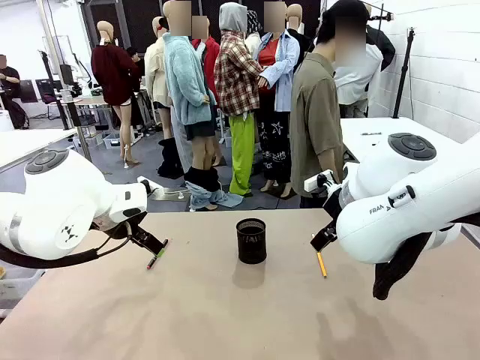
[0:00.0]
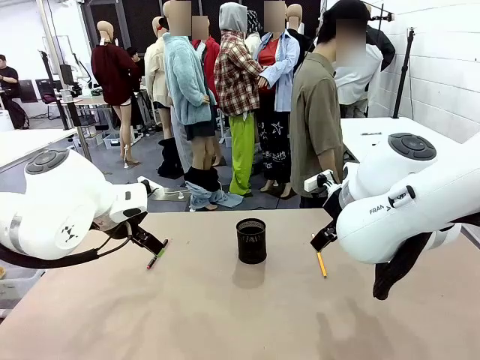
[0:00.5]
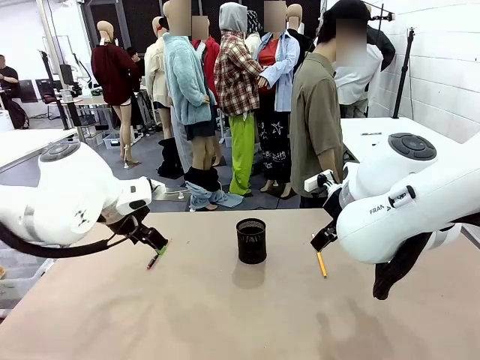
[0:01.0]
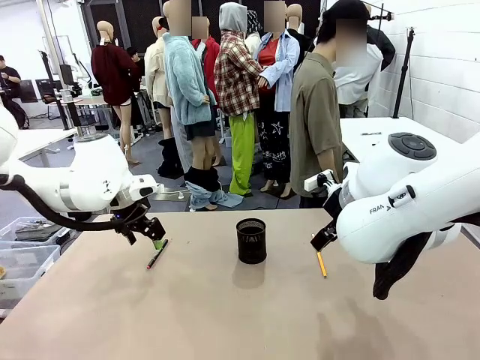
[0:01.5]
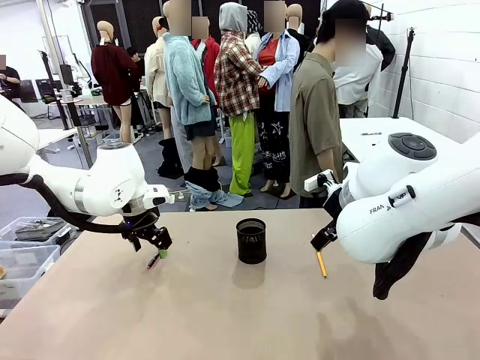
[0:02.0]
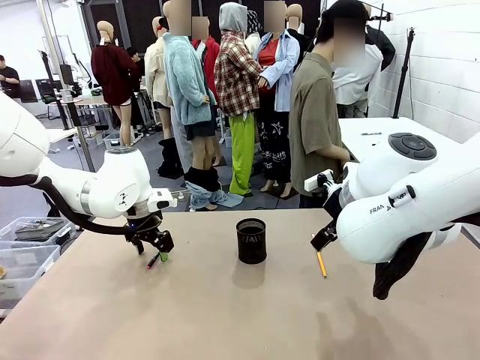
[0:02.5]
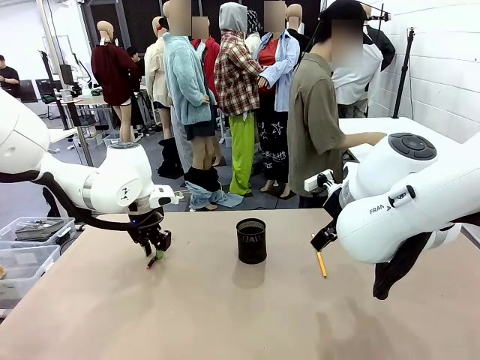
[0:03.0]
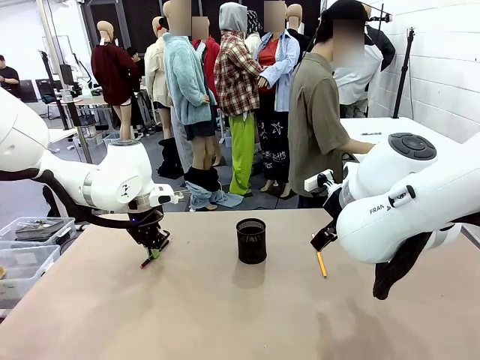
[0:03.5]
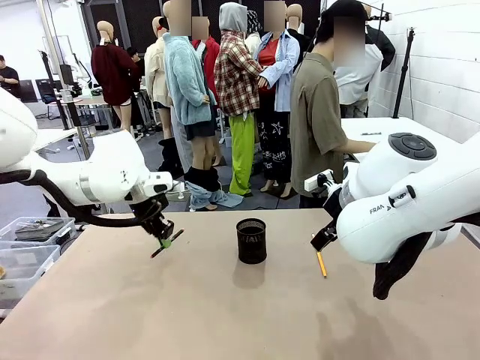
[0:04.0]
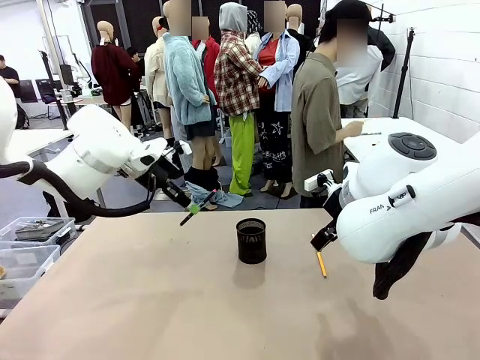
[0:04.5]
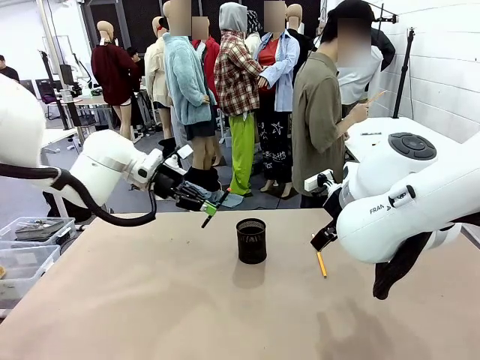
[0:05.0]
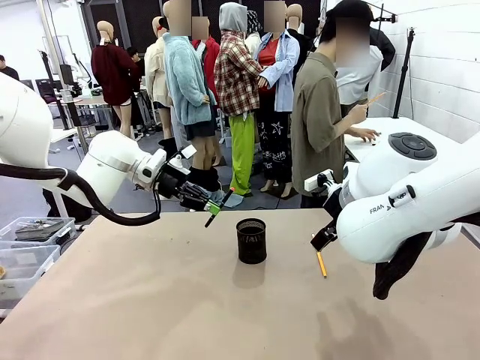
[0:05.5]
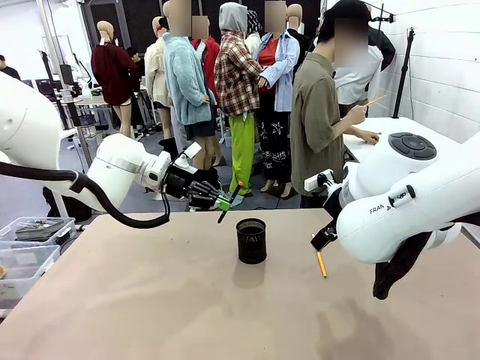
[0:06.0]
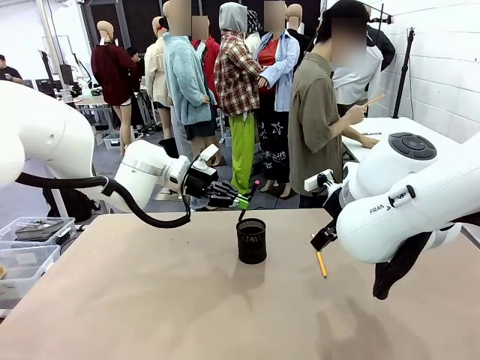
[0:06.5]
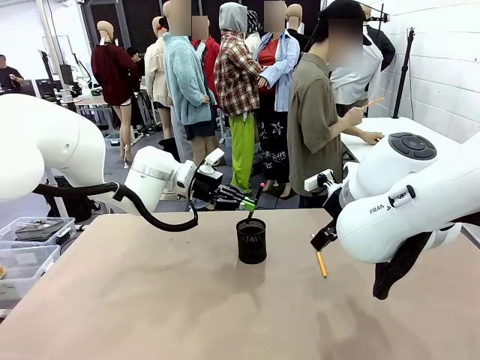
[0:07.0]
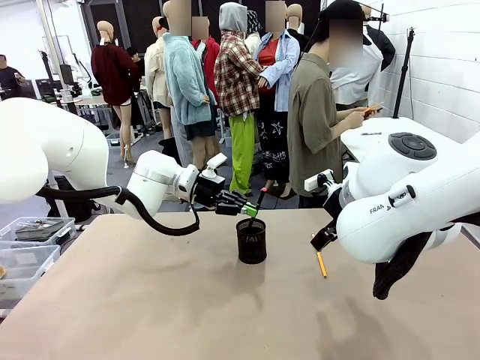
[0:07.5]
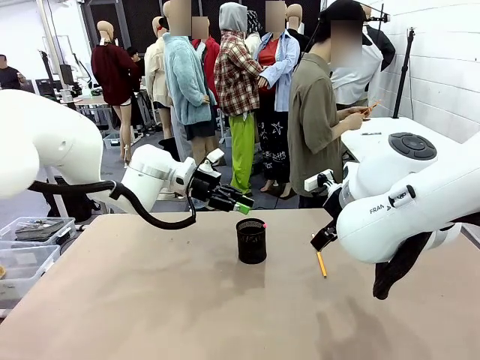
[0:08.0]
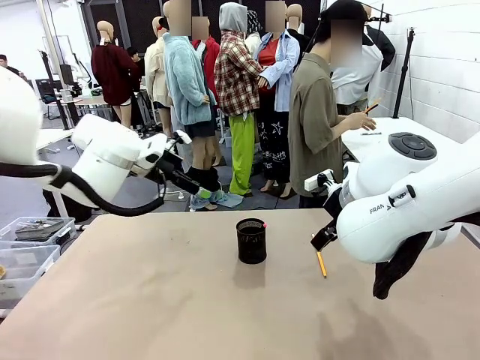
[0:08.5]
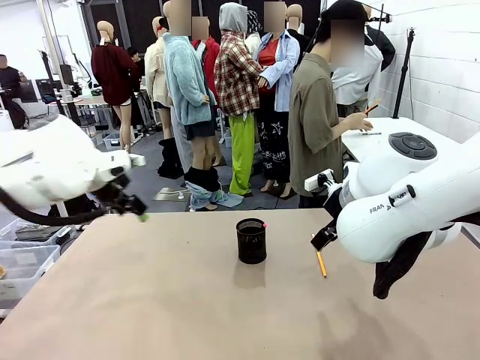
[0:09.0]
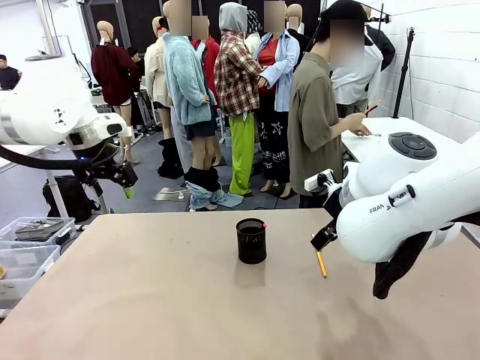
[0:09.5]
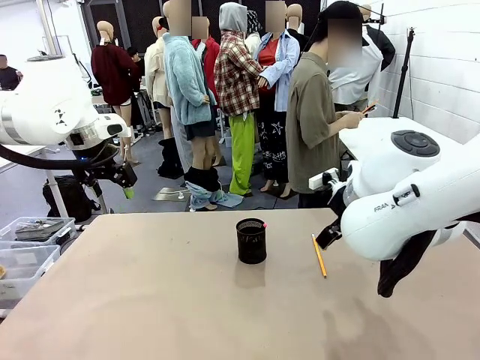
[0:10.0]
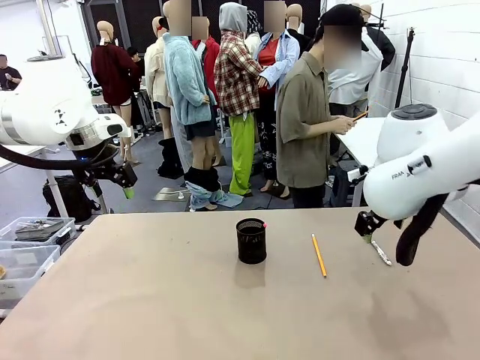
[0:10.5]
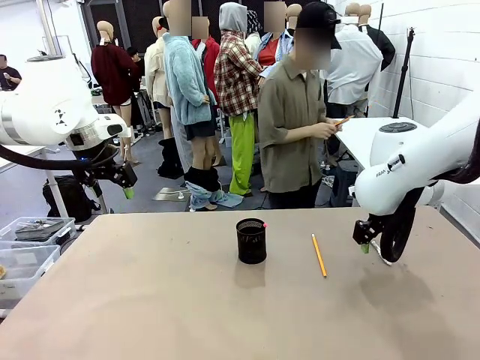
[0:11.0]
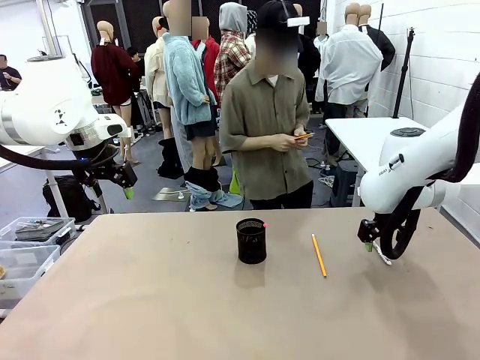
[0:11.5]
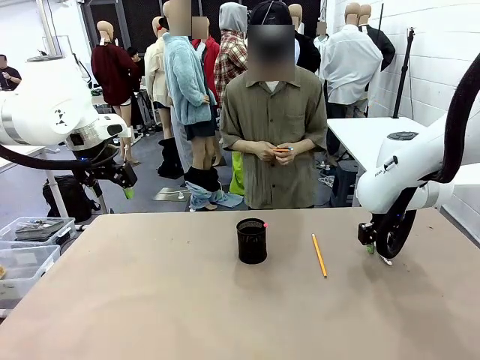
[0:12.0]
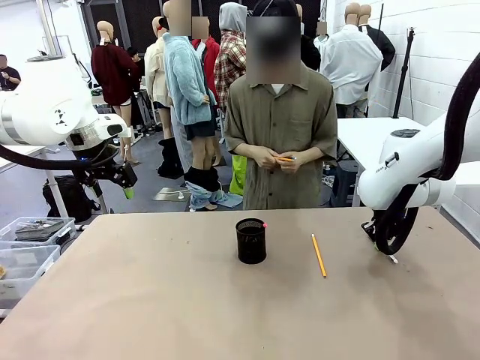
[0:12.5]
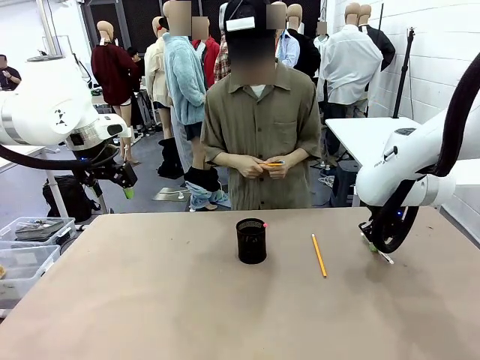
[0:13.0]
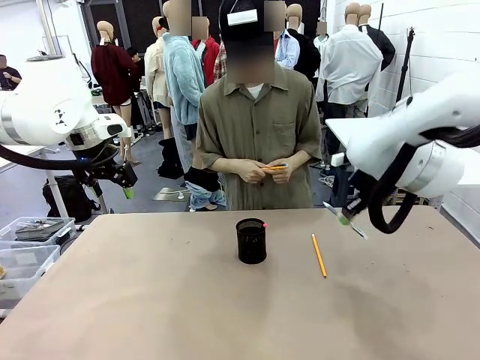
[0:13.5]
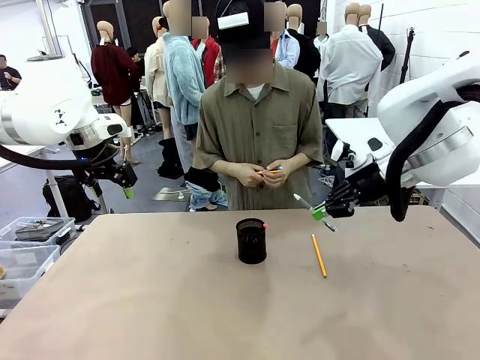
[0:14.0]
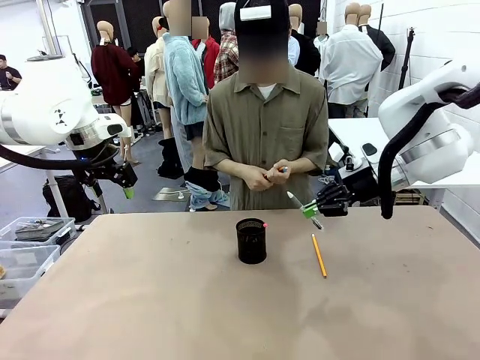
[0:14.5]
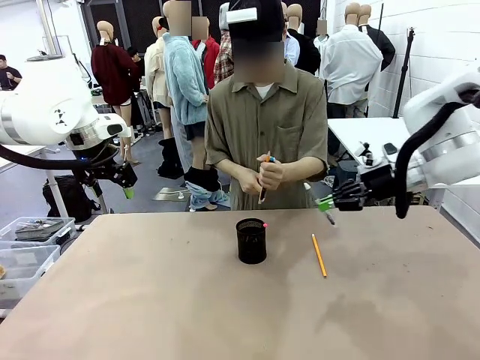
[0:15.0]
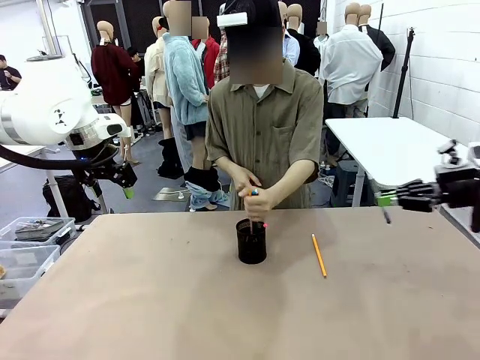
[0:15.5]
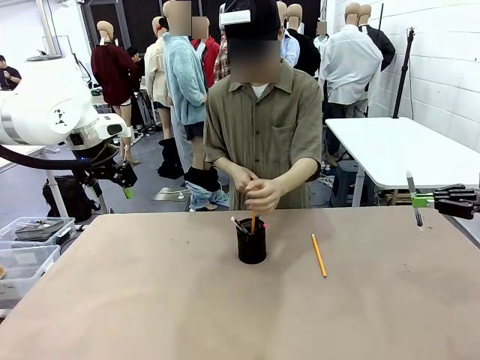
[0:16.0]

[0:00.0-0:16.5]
Task: Place the pens into the pen holder.
Robot: Pick up a writing instrument from the table and place it into the Pen holder.
Person: Pick up all writing instruments from the Human table.

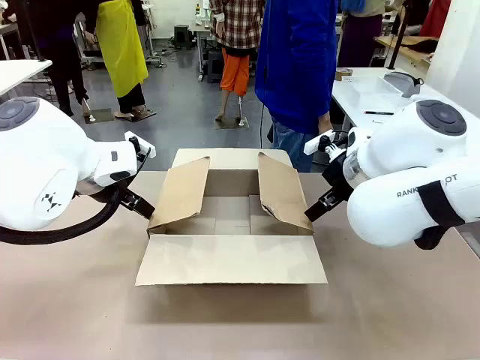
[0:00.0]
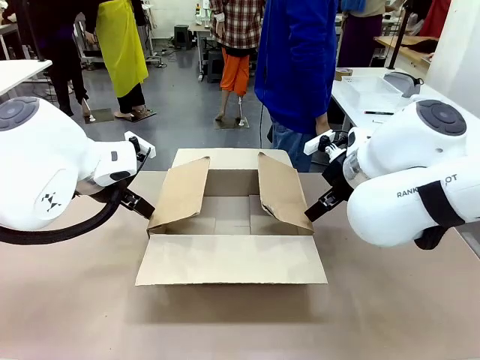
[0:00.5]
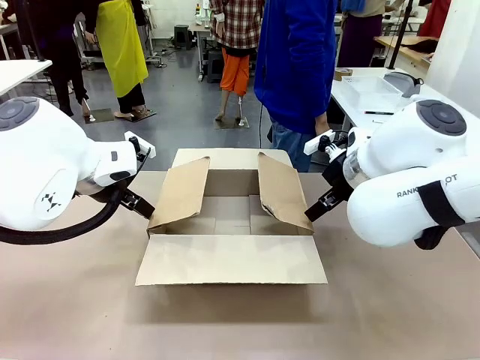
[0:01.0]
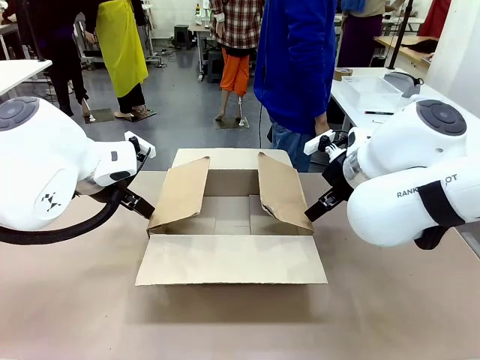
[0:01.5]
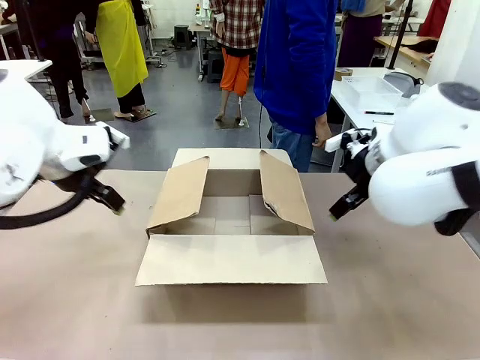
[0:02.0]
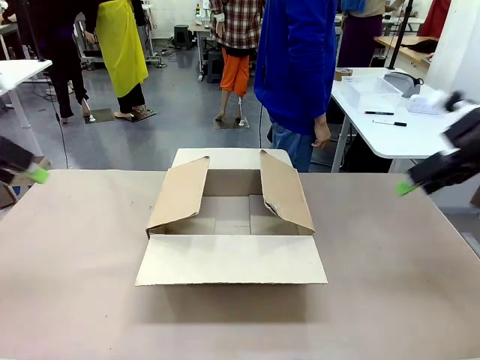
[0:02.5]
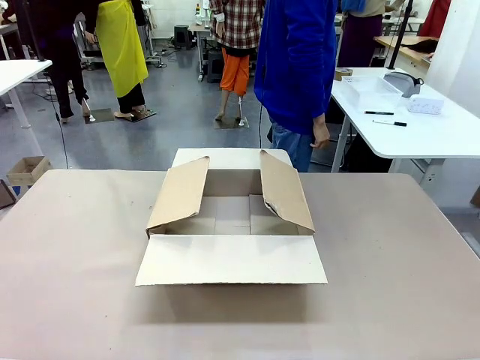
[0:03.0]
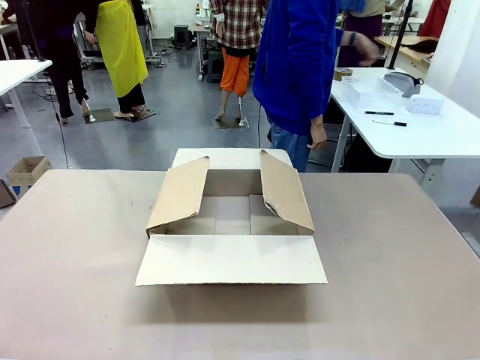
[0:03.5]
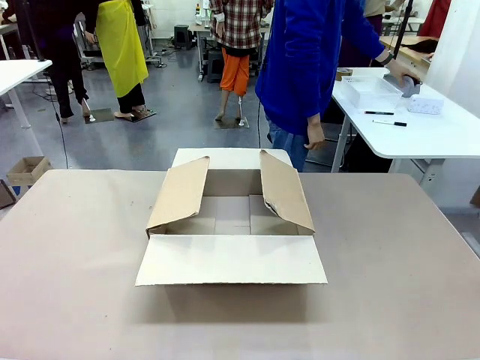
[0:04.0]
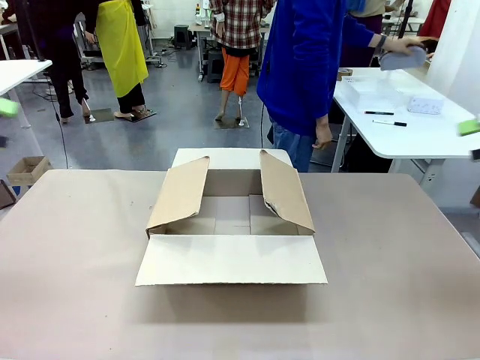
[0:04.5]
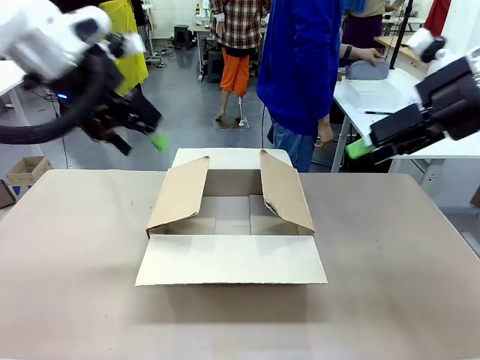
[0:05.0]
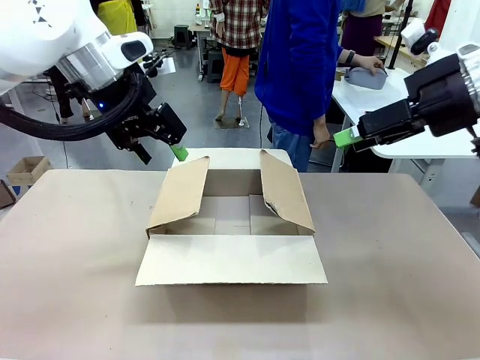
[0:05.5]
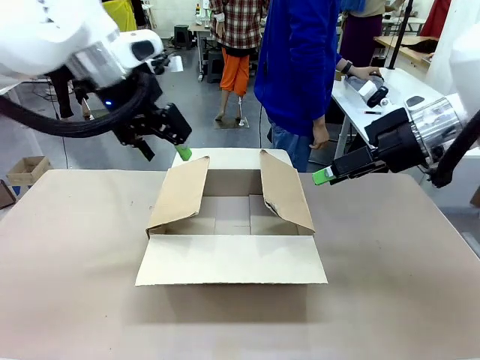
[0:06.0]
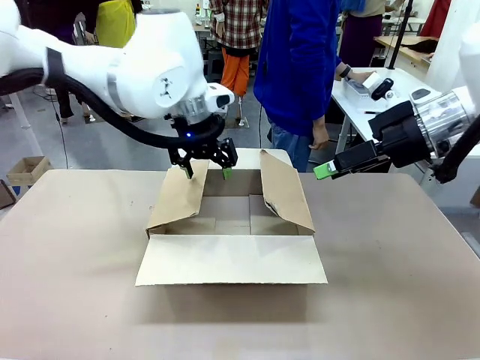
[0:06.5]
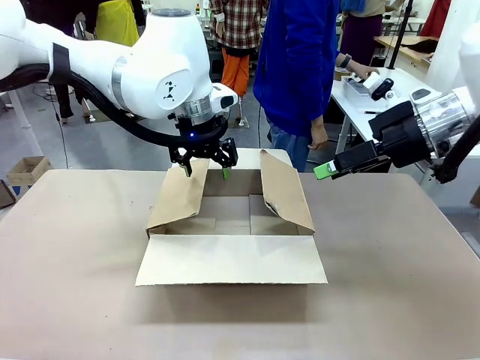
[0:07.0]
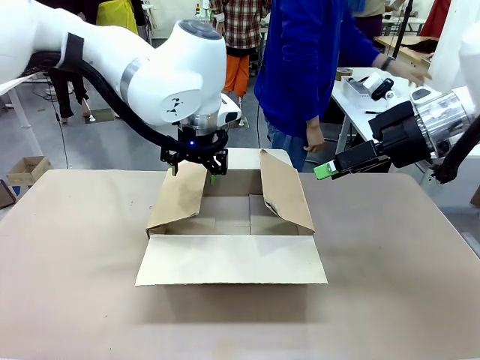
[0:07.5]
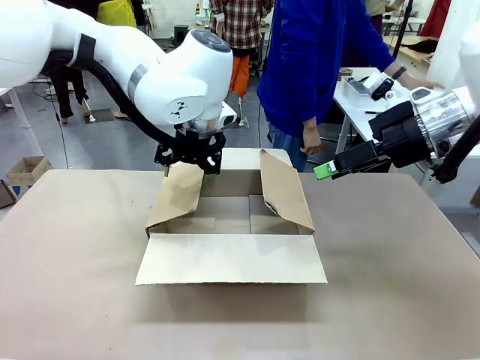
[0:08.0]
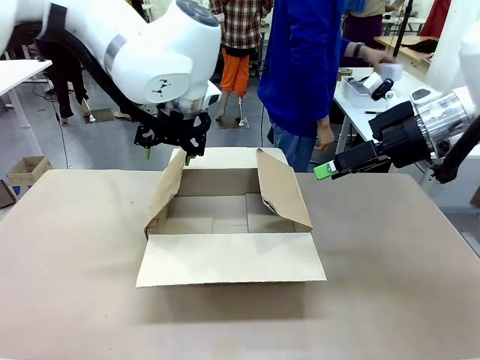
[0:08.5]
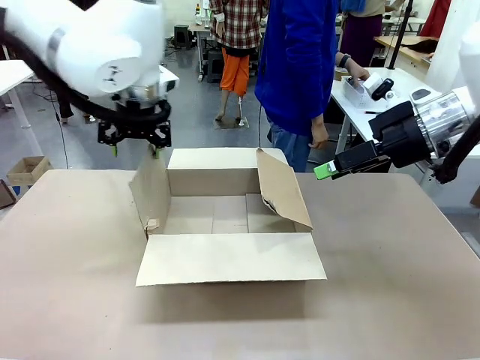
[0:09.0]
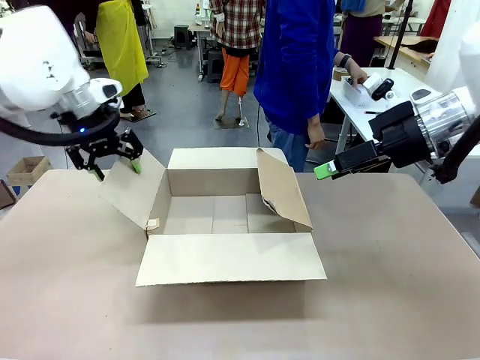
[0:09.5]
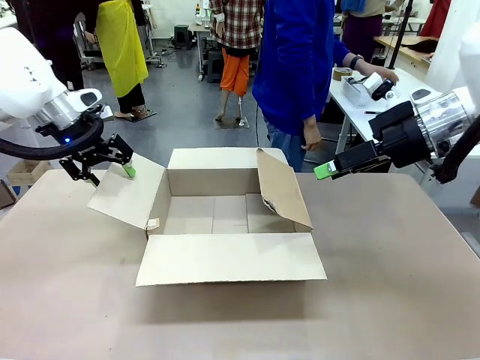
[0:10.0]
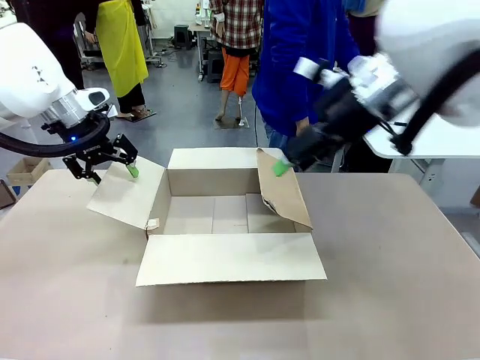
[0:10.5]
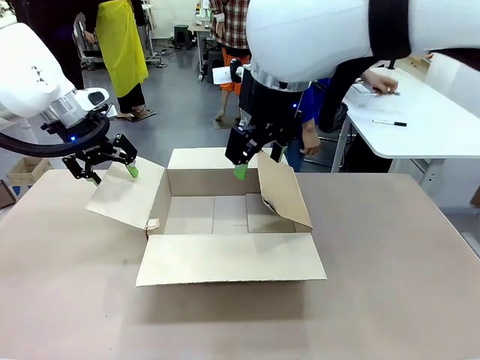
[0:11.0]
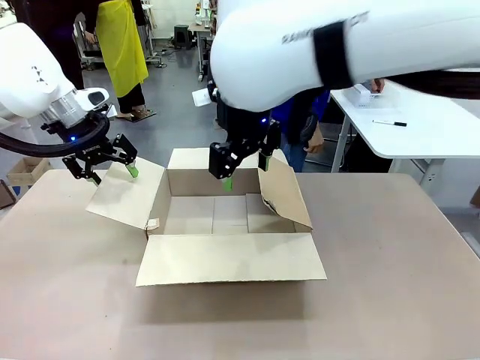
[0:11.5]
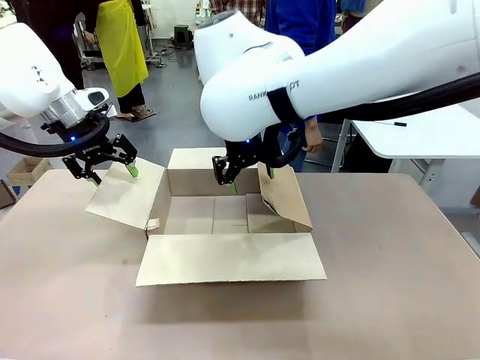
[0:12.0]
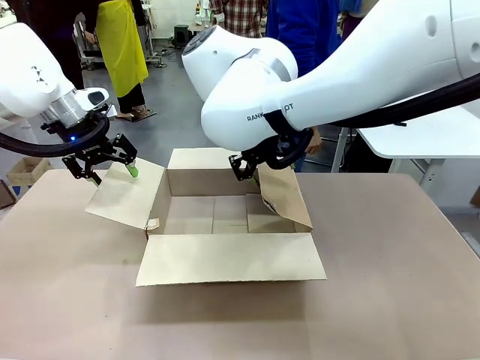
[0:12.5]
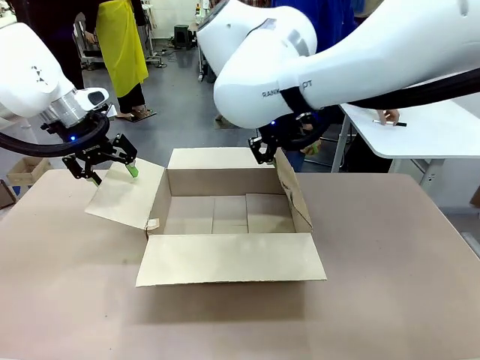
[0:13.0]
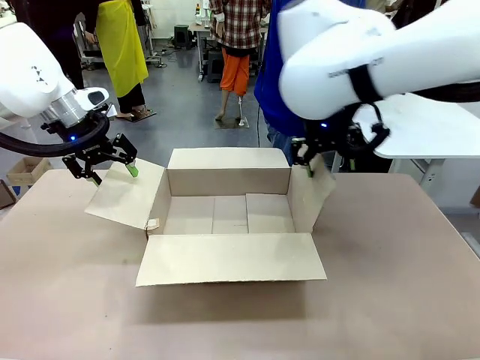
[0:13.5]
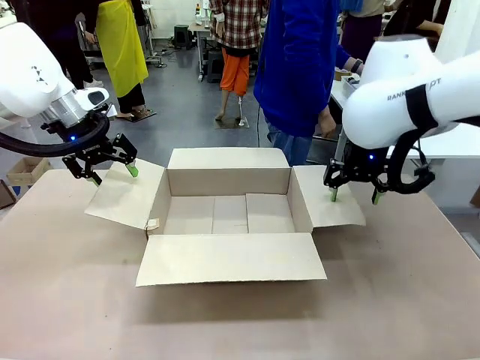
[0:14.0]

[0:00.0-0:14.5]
Task: Pack the gift set into the box.
Robot: Place both hands on the side flaps of the Package Box and spread them outward.
Person: The human places all items except the paper tape into the organizing basket.
